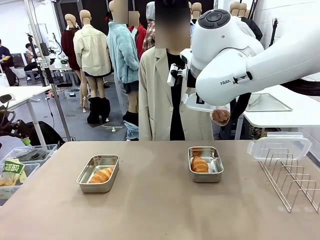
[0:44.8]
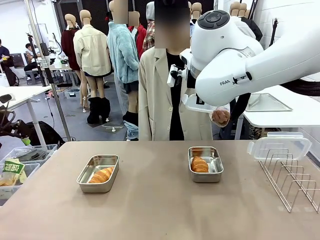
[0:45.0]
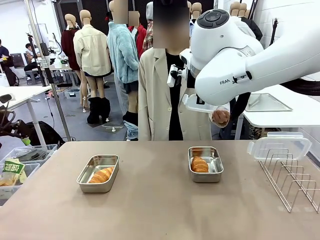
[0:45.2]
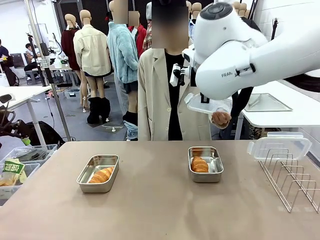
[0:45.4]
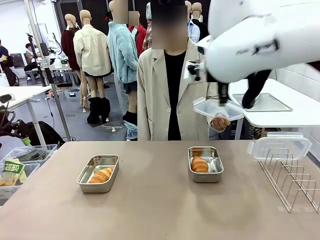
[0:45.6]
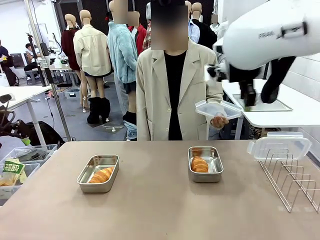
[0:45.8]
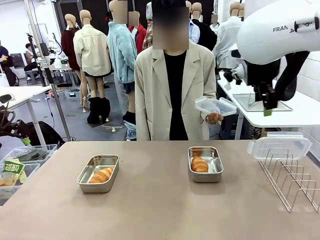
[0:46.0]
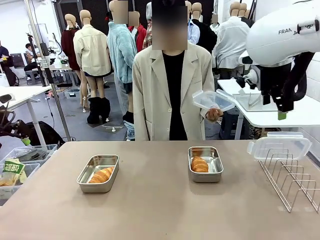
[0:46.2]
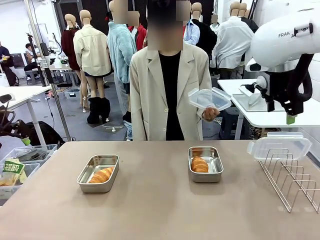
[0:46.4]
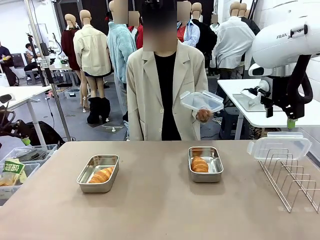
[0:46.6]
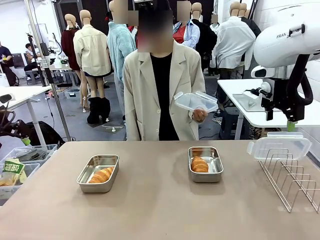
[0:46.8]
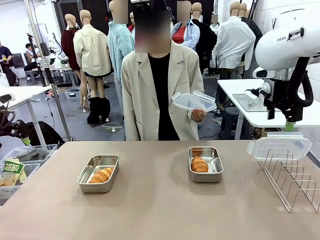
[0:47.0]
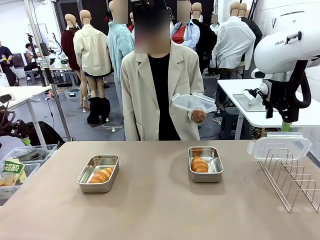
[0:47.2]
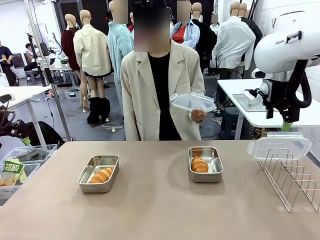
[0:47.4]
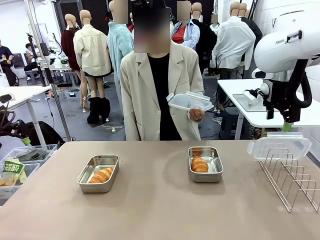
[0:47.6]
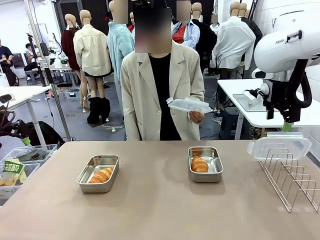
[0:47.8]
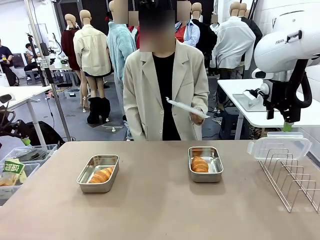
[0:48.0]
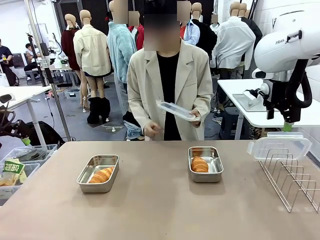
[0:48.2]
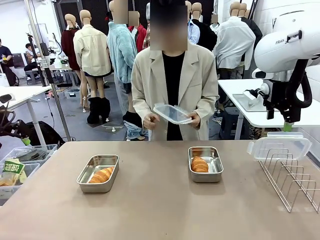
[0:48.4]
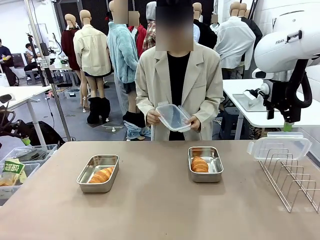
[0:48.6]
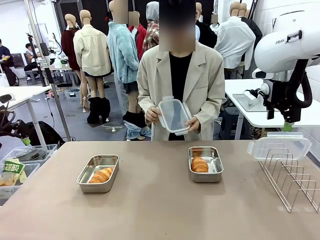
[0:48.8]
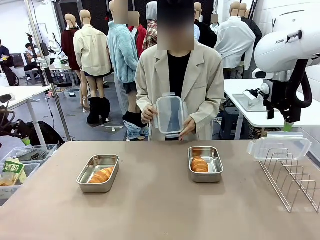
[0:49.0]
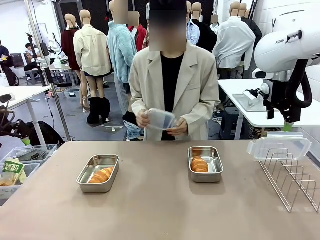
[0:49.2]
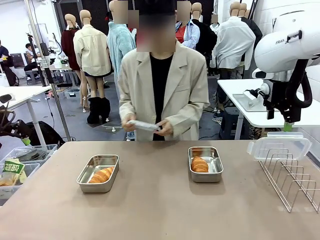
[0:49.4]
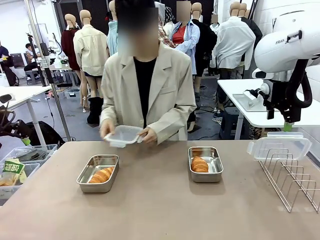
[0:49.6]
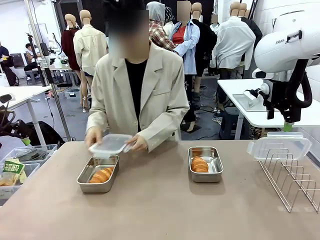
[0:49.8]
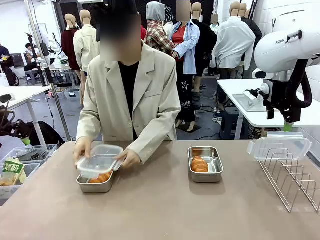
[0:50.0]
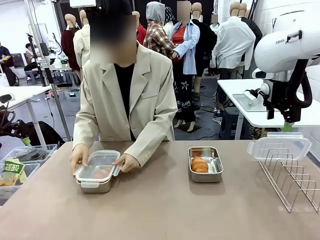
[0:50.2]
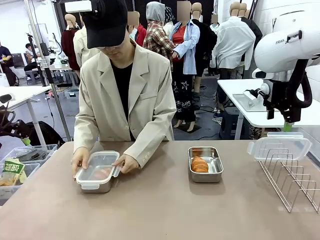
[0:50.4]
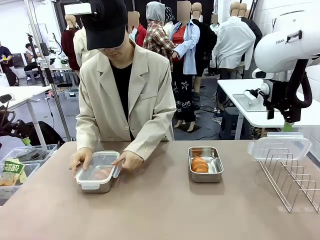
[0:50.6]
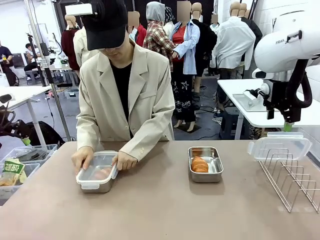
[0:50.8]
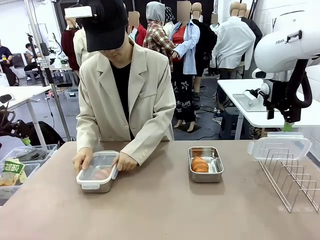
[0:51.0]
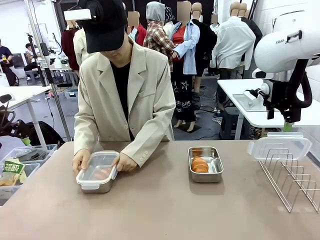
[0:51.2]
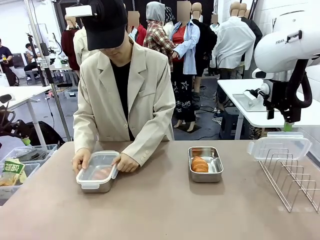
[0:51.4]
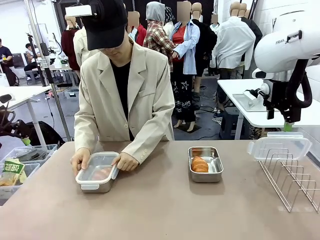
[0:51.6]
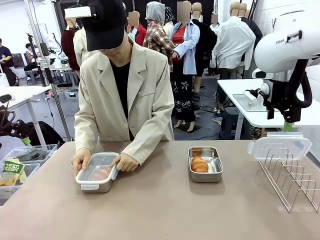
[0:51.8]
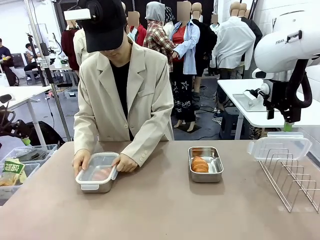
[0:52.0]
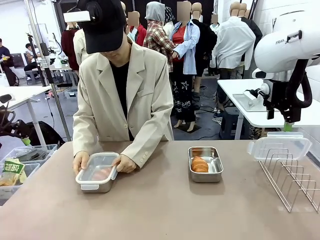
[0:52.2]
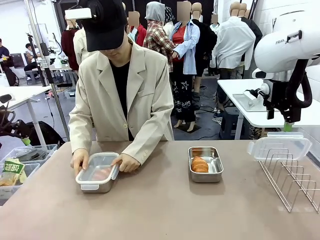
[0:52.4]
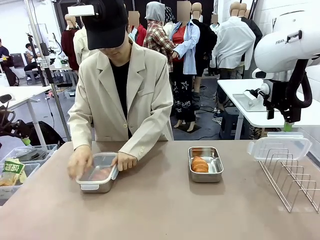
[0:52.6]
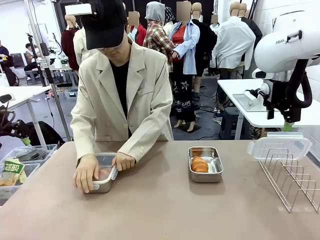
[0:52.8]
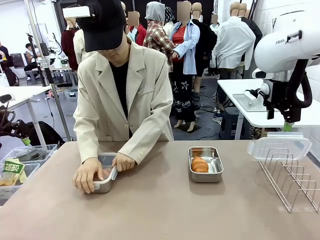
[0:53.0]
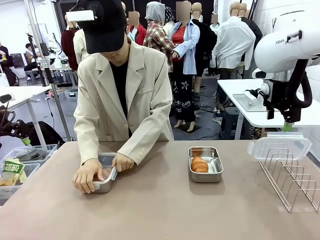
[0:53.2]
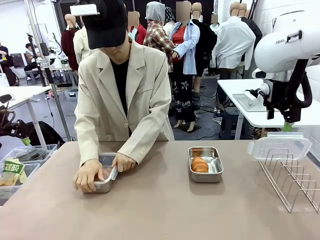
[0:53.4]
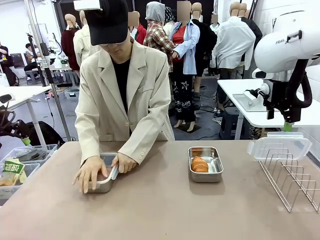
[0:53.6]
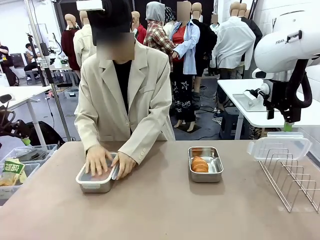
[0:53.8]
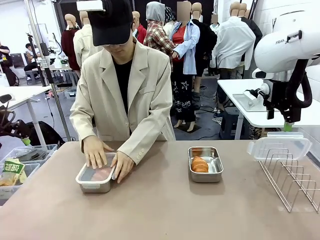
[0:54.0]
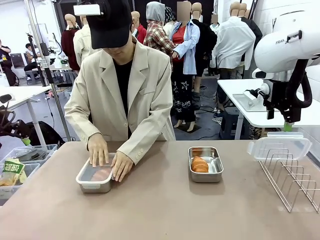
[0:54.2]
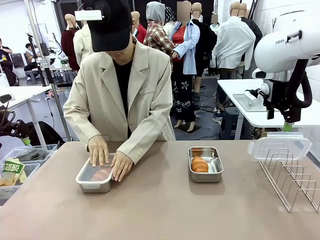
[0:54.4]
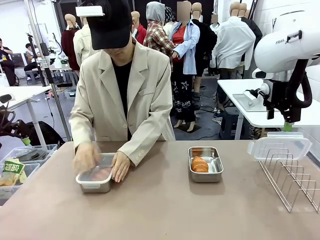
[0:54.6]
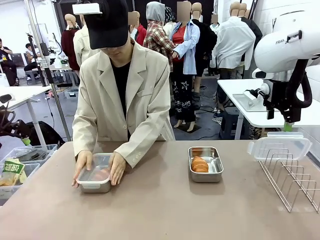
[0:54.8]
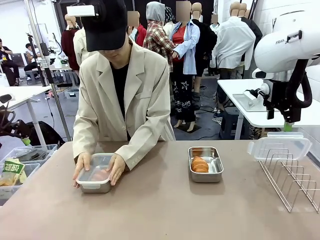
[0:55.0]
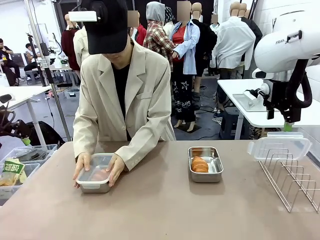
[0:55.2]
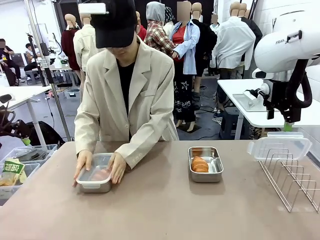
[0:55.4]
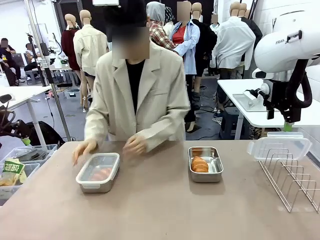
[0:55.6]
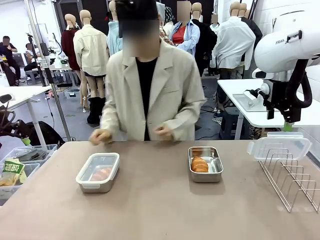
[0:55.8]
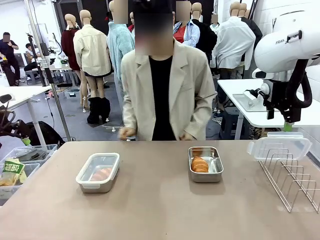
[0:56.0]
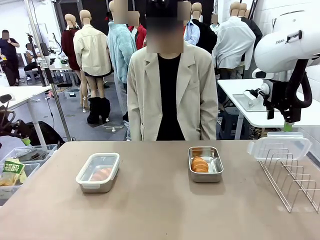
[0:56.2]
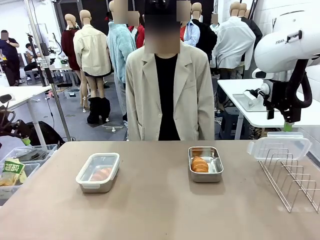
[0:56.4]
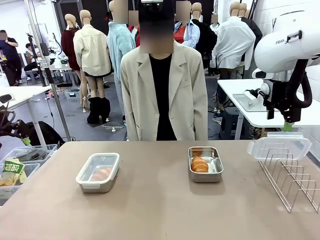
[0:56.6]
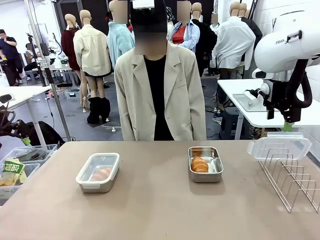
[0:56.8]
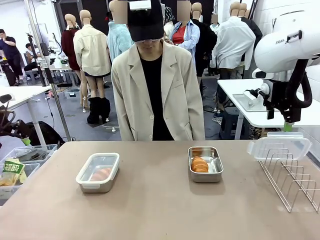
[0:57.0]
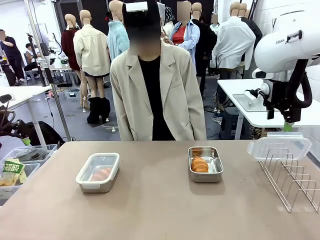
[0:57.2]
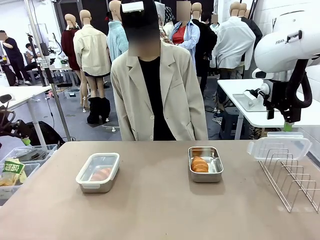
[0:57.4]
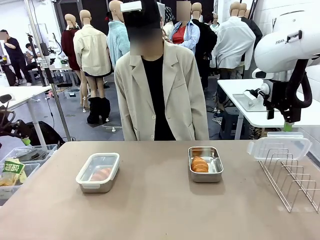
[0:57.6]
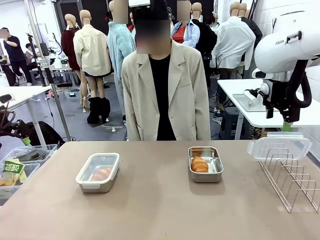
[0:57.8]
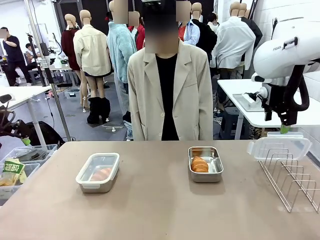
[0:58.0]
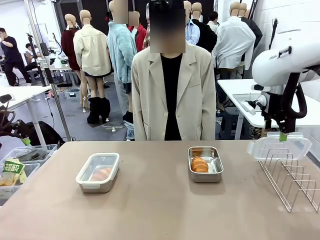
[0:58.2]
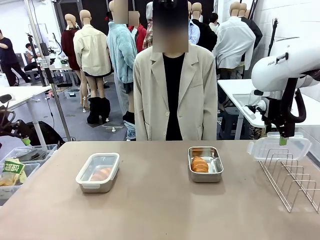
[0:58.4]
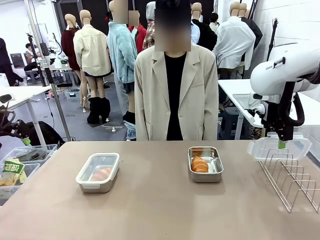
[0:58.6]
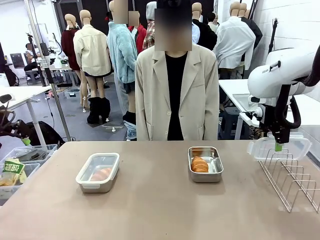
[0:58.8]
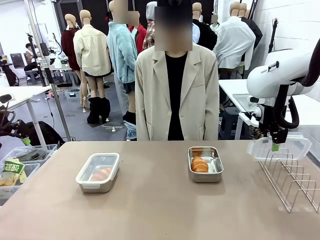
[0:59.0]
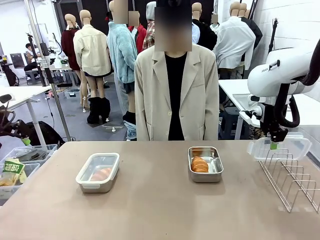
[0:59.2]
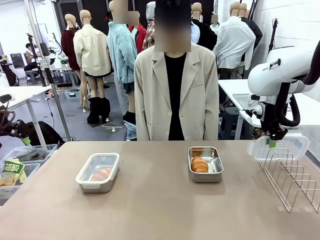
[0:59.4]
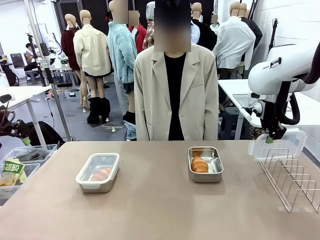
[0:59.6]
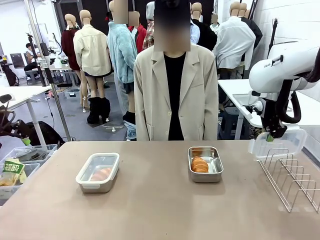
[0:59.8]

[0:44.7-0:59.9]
Task: Place the bread in airtight containers.
Robot: Pick up one Airtight Container lid and hand it to the human.
Person: Close Airtight Container with a handed Airtight Container lid.
